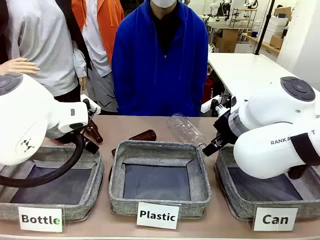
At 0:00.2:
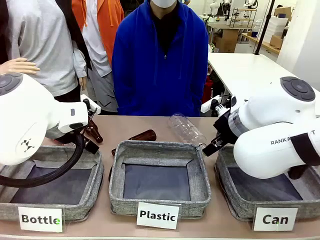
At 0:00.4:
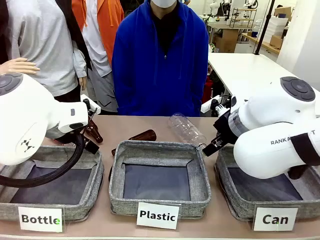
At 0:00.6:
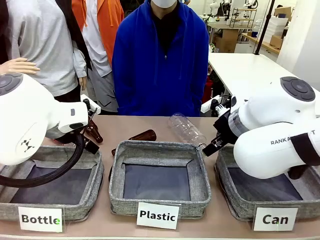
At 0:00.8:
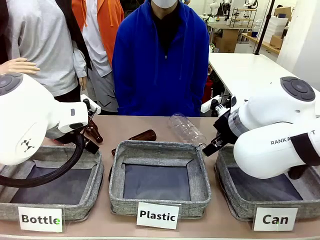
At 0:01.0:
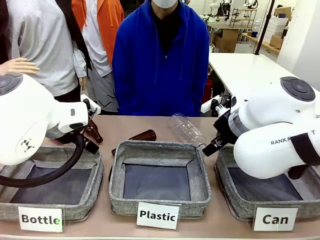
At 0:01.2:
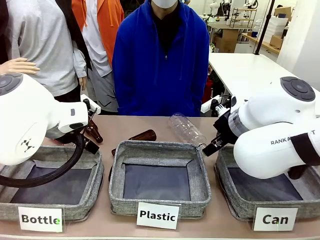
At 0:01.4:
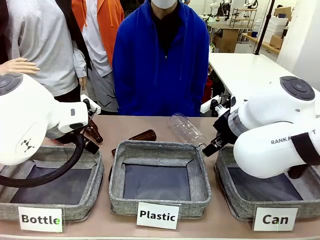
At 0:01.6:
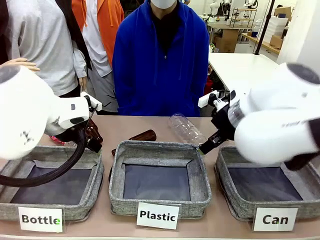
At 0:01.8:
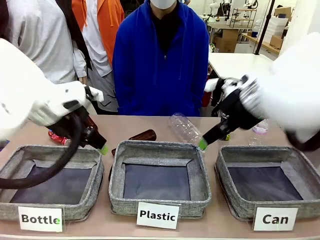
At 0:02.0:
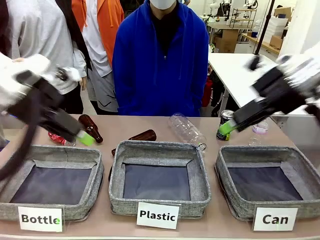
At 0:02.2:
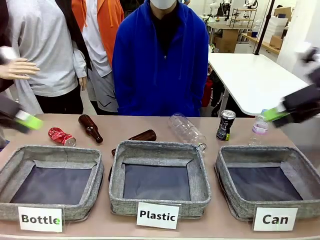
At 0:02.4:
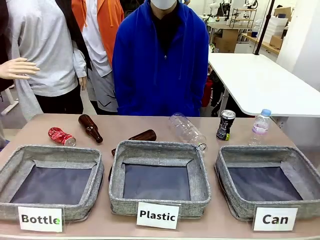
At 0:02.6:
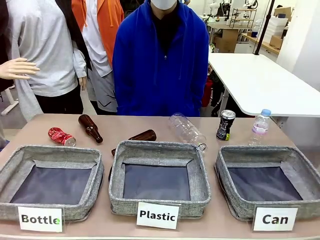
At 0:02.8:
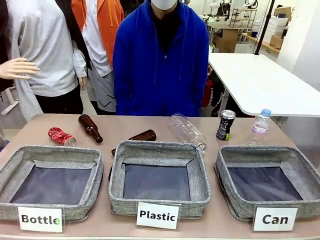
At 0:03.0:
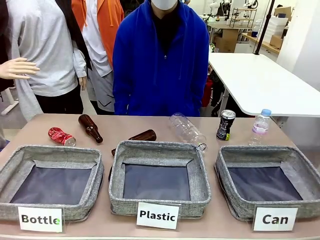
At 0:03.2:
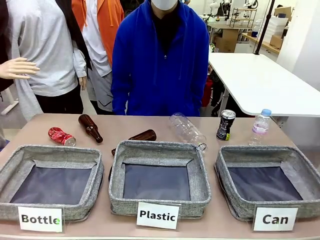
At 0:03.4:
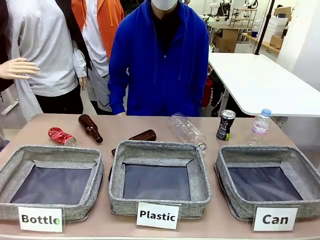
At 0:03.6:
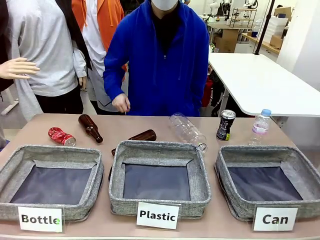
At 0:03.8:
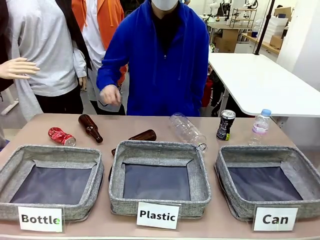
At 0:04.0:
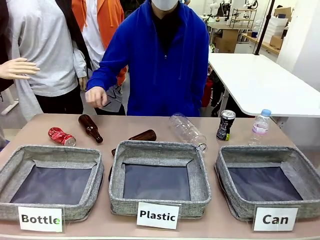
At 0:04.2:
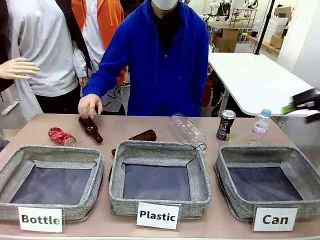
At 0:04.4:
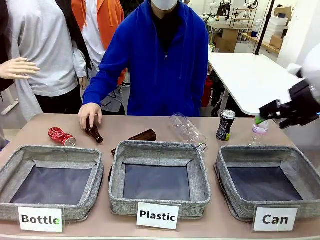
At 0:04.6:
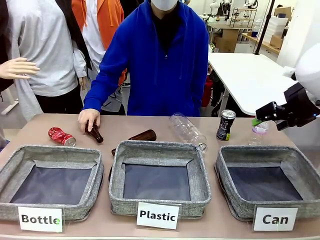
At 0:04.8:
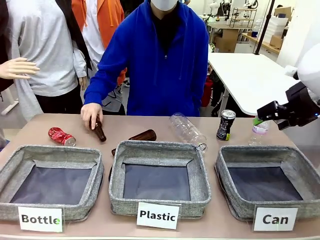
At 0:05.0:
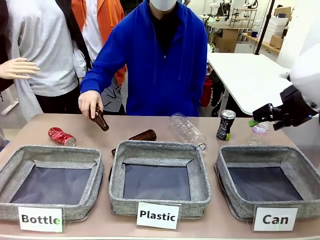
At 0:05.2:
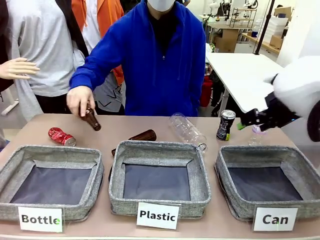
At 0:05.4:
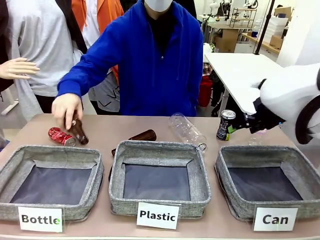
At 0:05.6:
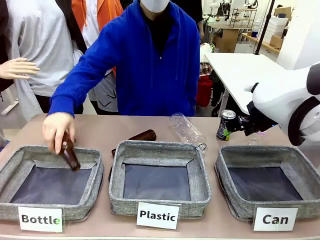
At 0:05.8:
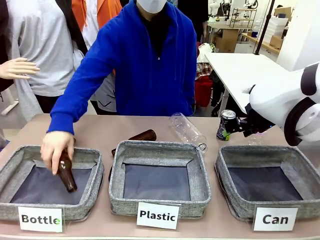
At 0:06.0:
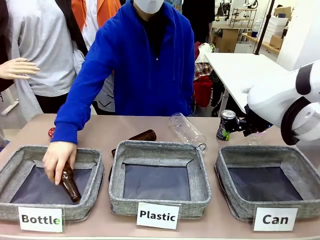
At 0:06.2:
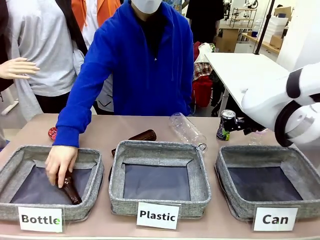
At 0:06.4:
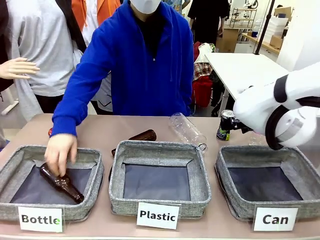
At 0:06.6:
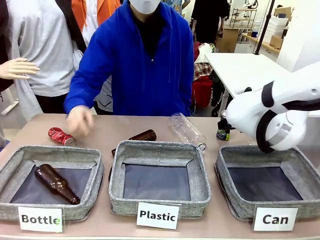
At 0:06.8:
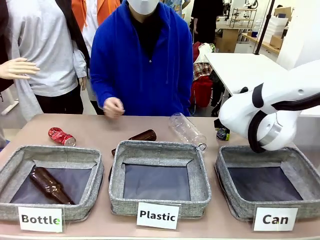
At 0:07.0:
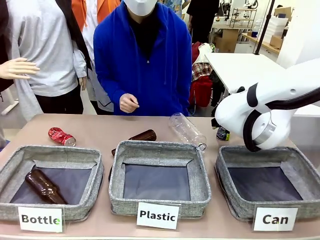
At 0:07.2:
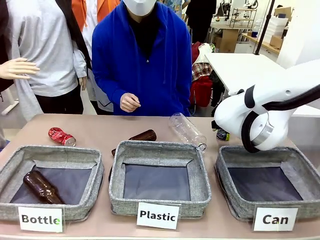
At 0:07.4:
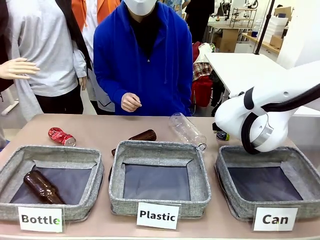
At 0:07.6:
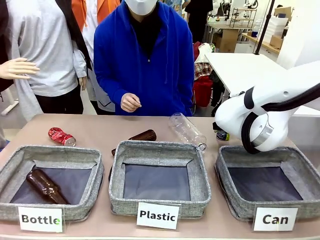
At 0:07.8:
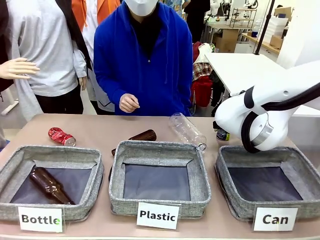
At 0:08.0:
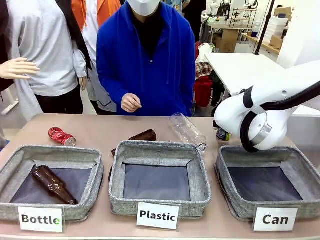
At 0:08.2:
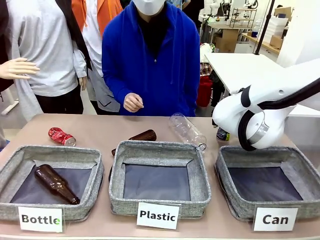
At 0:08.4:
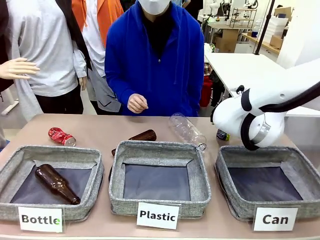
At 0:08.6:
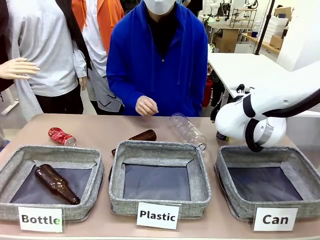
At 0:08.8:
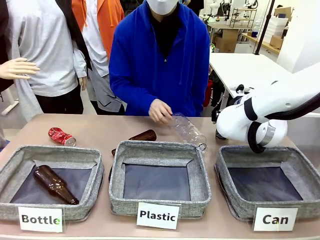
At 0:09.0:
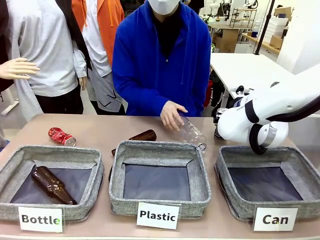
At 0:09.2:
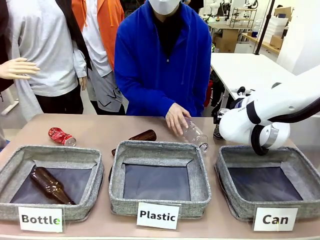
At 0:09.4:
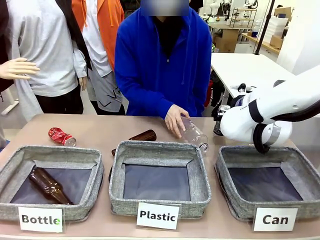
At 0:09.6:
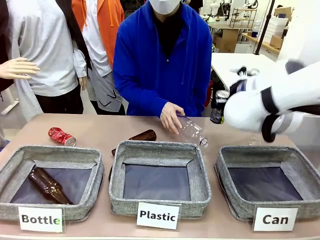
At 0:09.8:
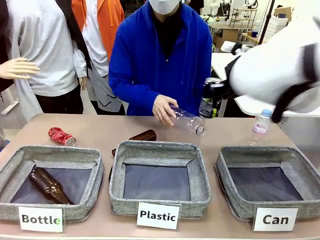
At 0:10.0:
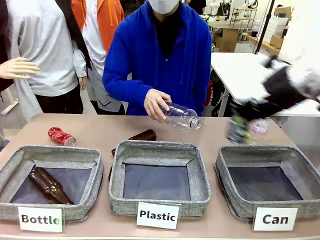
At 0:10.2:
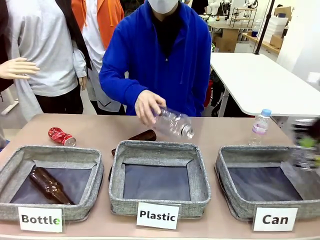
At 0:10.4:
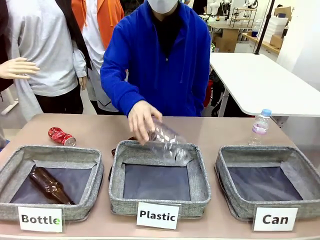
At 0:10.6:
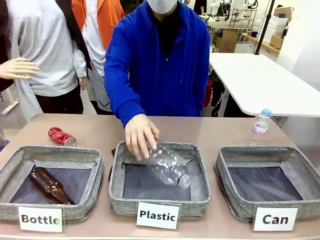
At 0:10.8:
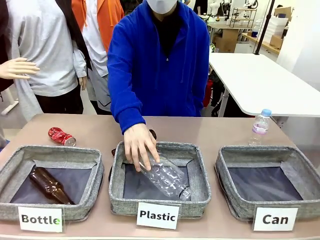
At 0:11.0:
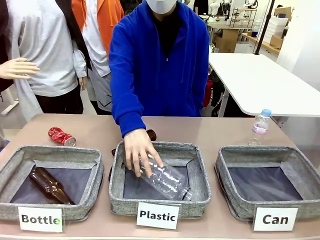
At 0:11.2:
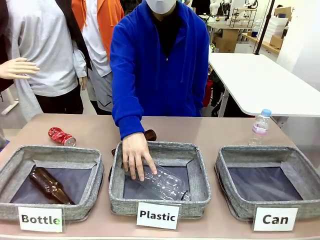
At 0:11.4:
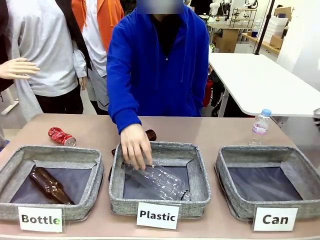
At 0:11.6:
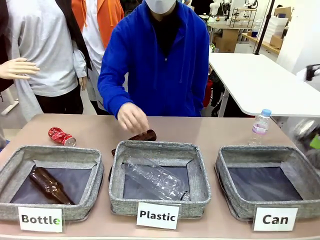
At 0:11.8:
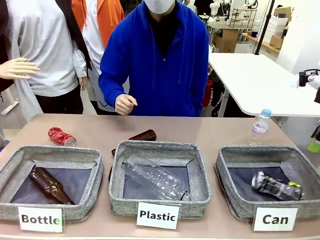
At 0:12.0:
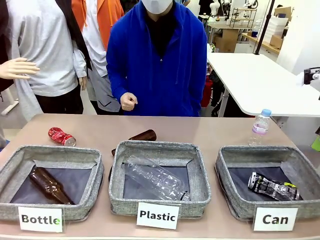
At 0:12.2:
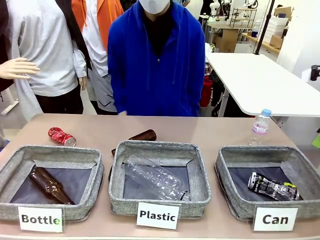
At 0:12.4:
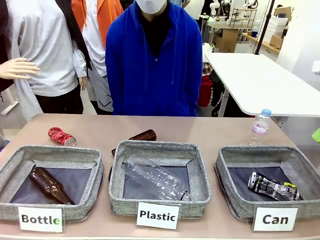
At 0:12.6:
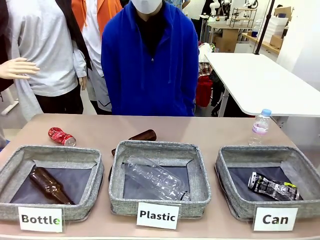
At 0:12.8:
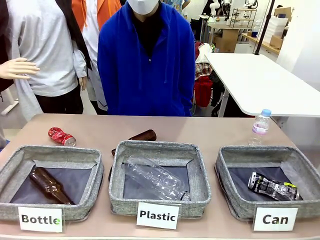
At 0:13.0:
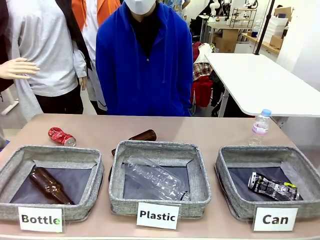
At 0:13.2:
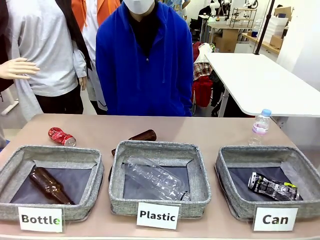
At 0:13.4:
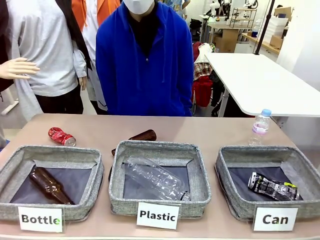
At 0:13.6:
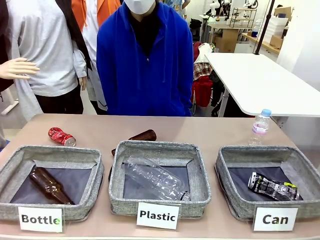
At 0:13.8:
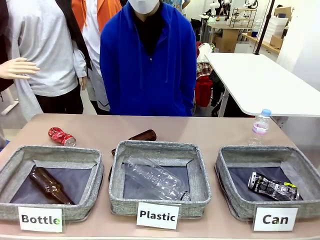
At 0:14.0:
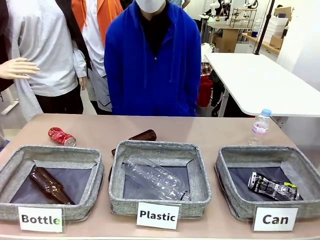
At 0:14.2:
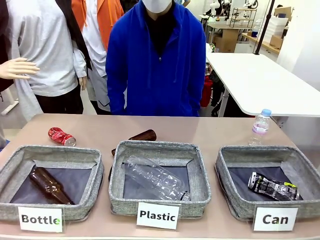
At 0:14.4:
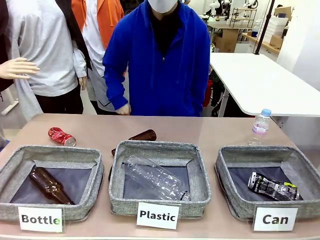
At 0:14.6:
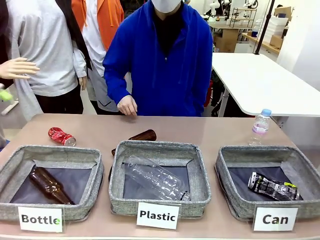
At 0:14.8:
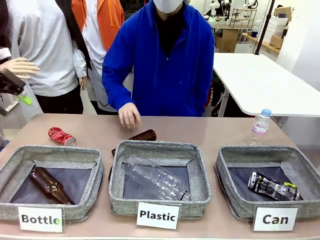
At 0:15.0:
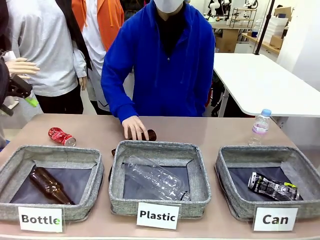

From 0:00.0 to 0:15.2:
Task: Sort the can waste into the basket.
Robot: Pick up the can waste from the table and place it in the right Fabric basket.
